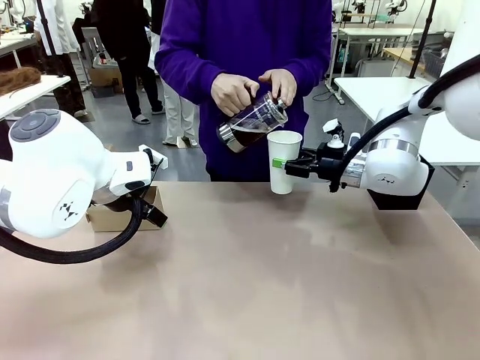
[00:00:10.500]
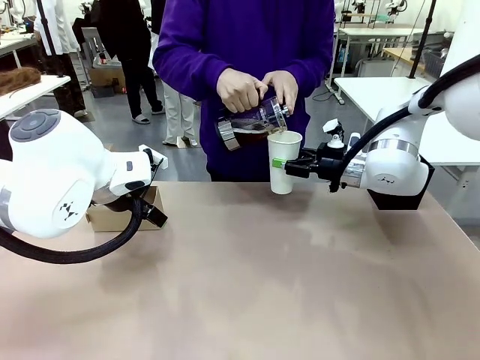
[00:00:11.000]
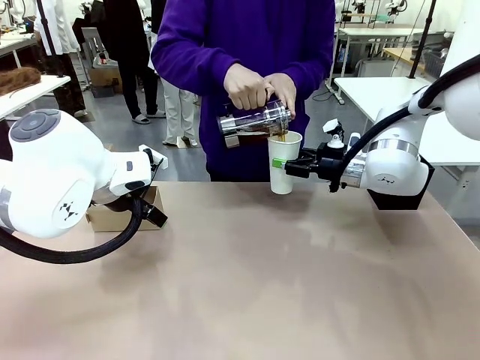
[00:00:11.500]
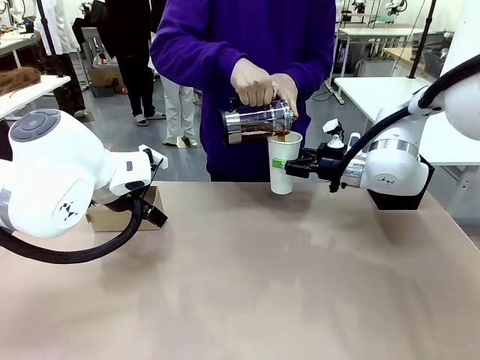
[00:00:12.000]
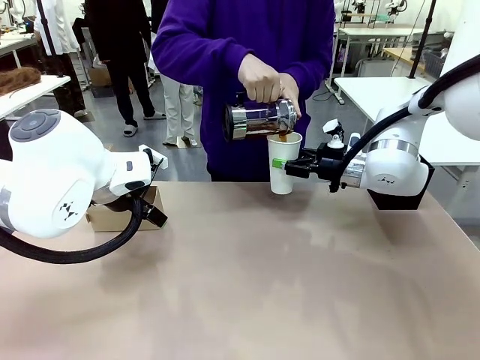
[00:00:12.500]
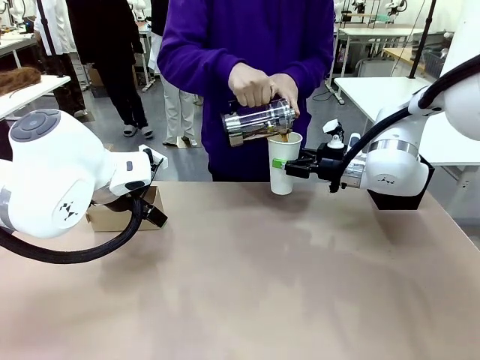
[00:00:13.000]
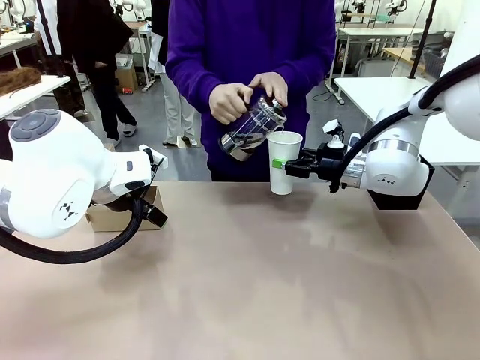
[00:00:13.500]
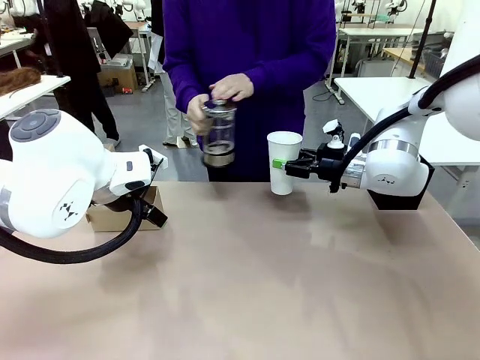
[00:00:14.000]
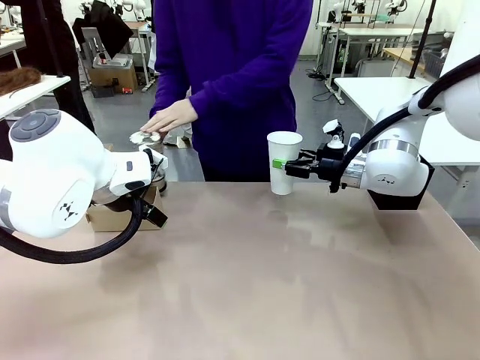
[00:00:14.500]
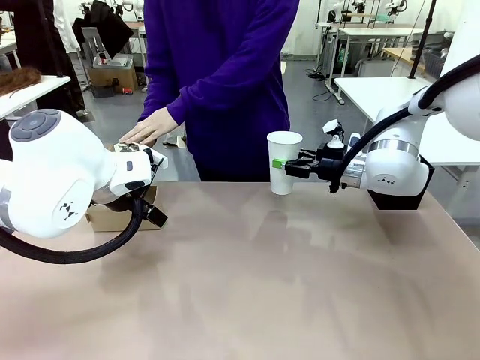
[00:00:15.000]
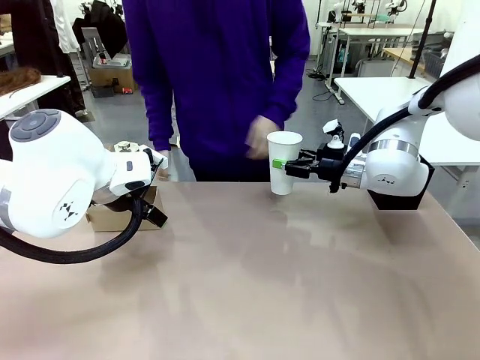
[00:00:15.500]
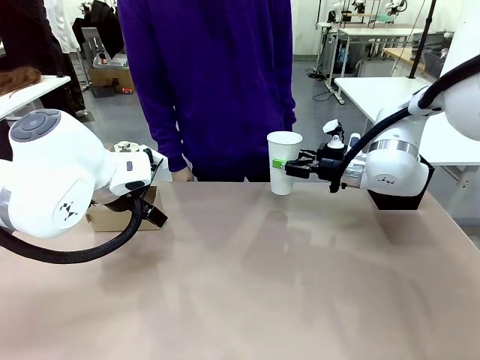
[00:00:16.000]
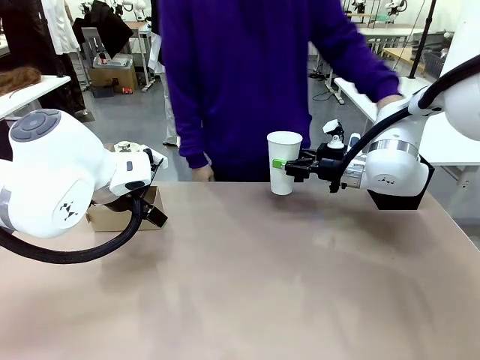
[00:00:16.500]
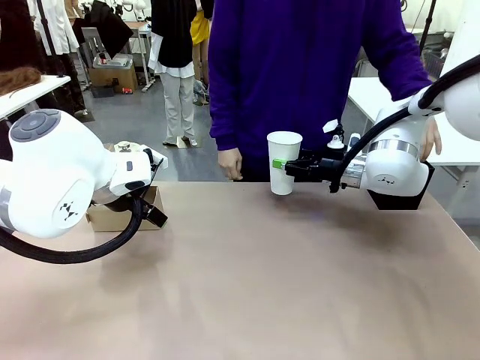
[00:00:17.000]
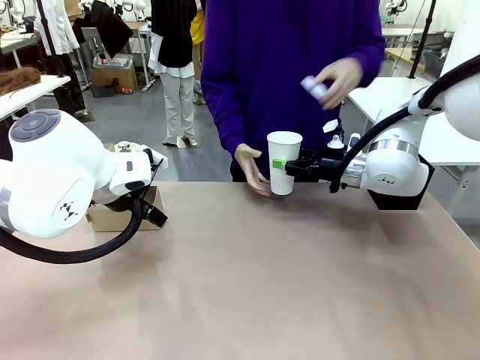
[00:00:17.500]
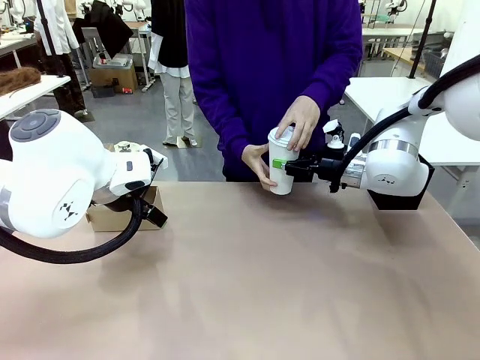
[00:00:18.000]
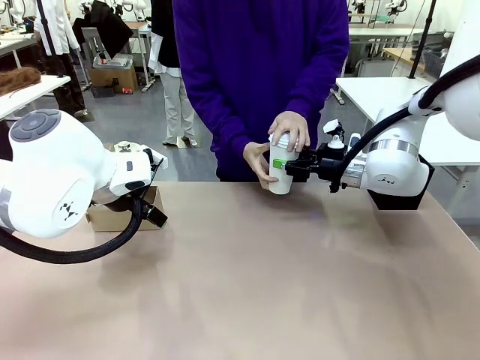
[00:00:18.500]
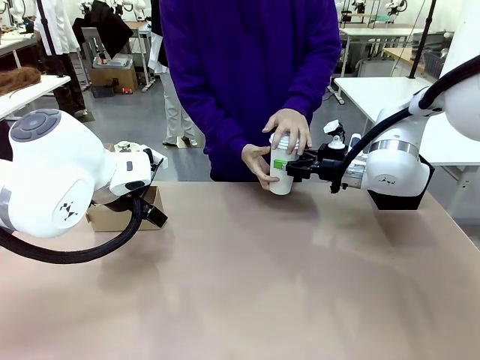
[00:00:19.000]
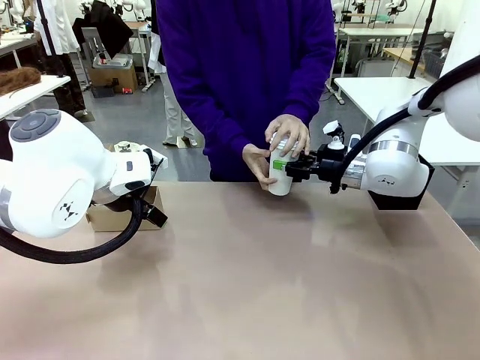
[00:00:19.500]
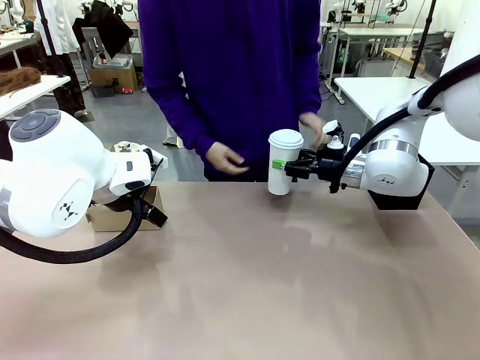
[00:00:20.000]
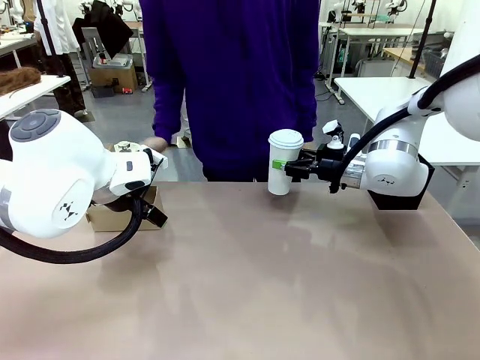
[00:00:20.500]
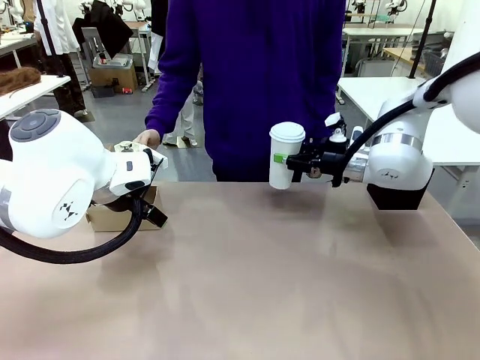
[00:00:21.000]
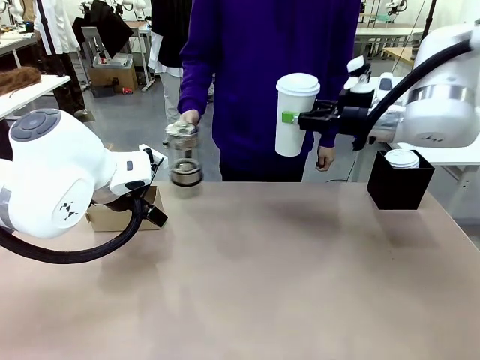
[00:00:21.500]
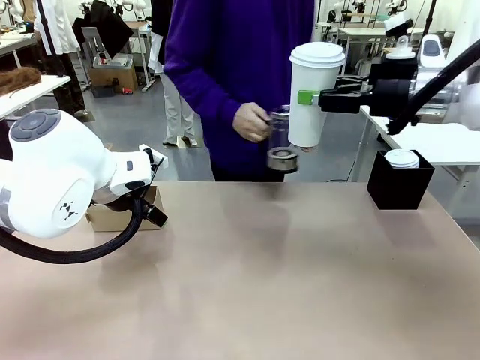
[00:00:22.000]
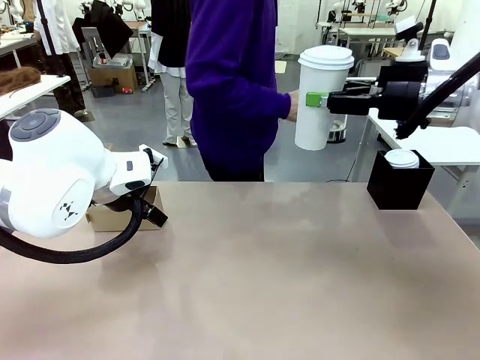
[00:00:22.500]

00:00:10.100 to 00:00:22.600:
Task: Pour a drink into a cup and package it in a carrier.
Robot: When a person places the Paper Cup Lid on the 600 ml Paper Cup , lift the 600 ml Paper Cup.
Person: Pour the drink from the Filter Brewing into the 600 ml Paper Cup. Place a Paper Cup Lid on the 600 ml Paper Cup.

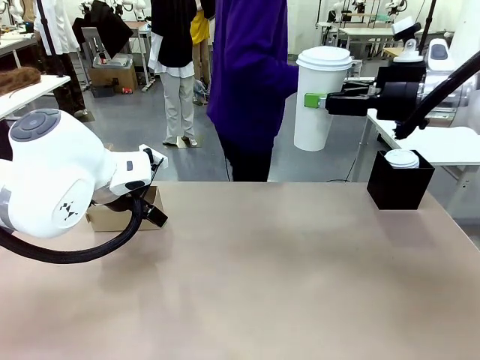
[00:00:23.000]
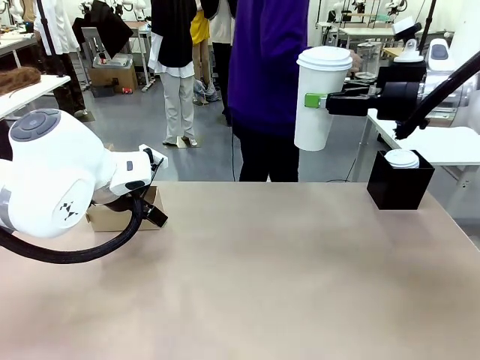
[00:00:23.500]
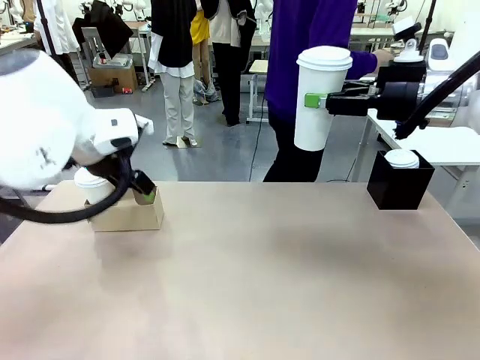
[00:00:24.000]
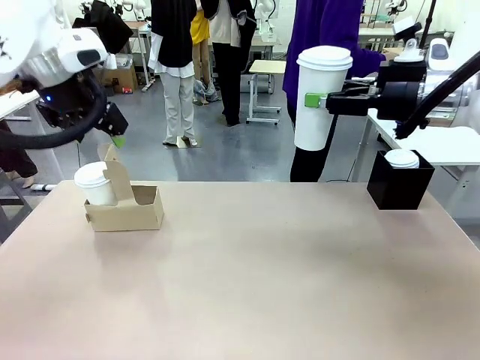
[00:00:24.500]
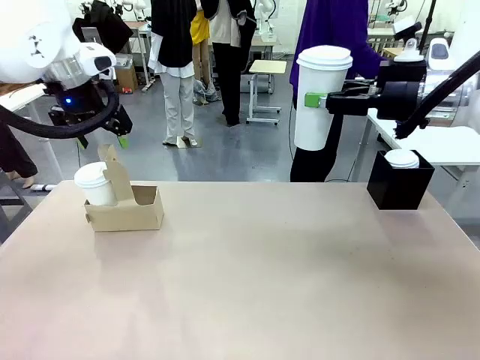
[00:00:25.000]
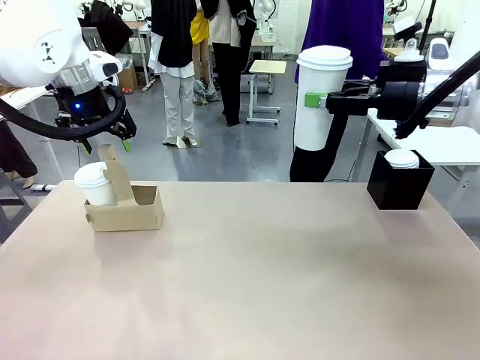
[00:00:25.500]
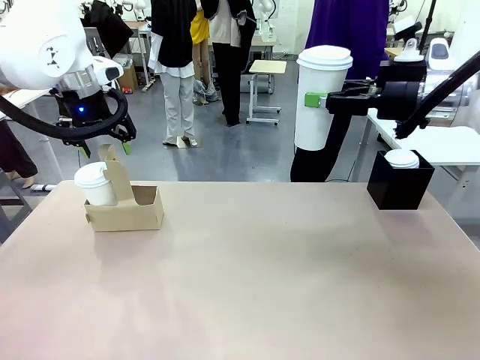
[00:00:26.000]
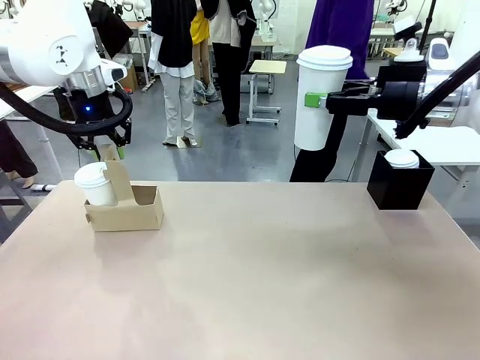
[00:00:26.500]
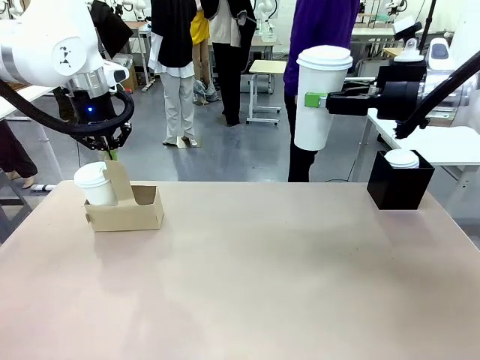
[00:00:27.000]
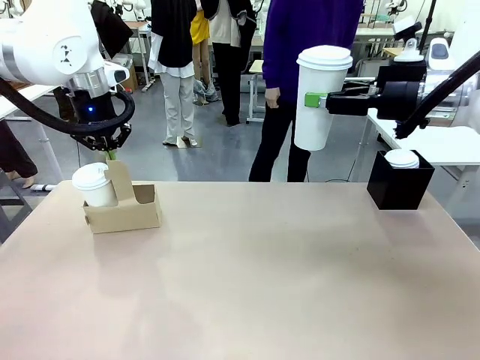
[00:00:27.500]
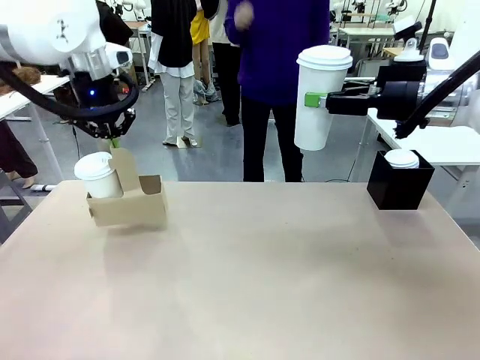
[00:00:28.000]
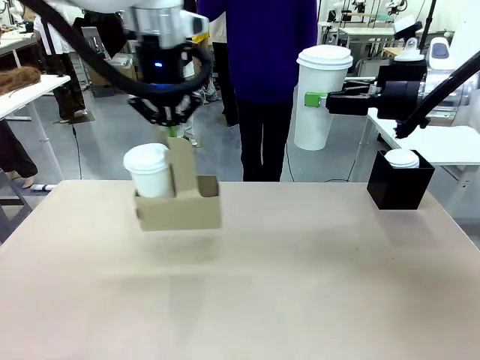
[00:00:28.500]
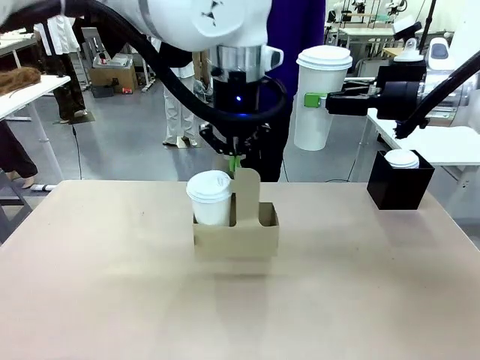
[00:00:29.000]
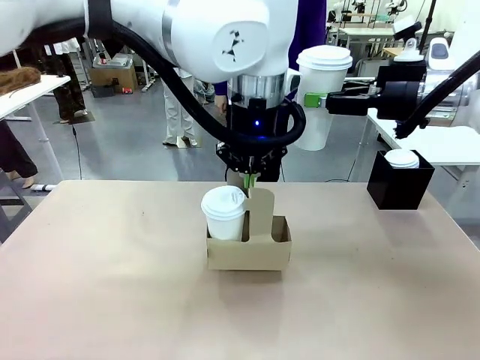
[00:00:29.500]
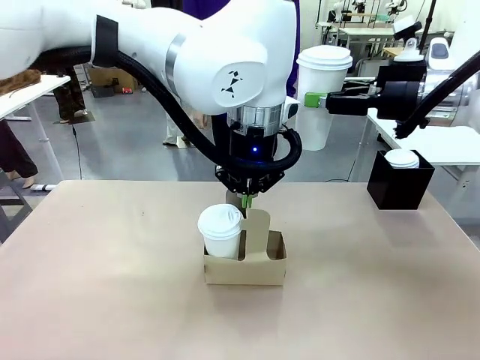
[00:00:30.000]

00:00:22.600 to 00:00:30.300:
Robot: Position the Cup Carrier in the center of the table.
Person: Pick up the Filter Brewing and place on the middle of Human table, and return to the Robot table.

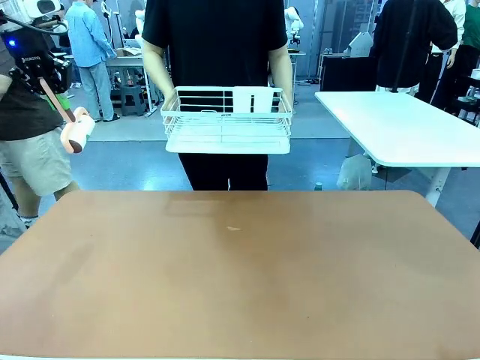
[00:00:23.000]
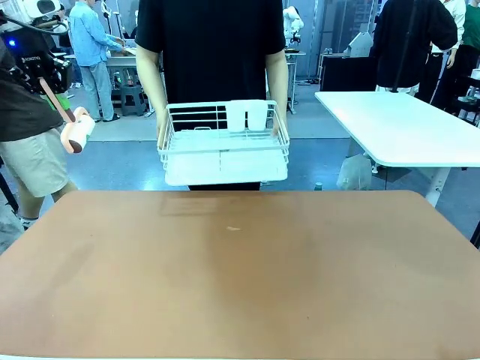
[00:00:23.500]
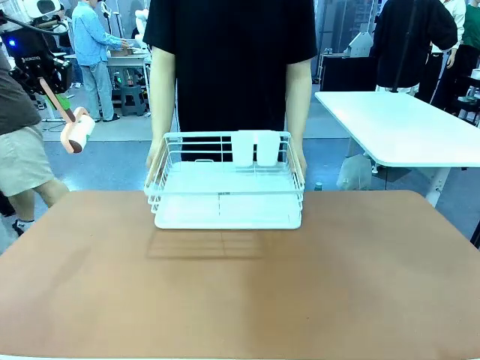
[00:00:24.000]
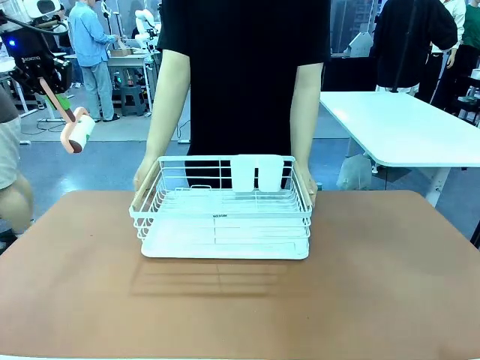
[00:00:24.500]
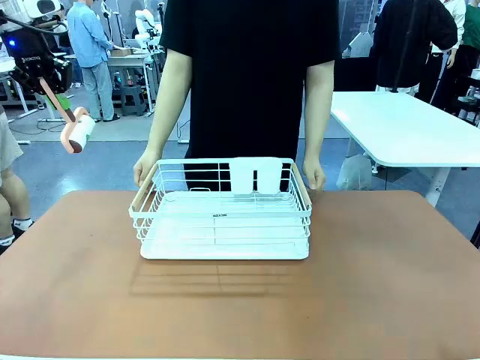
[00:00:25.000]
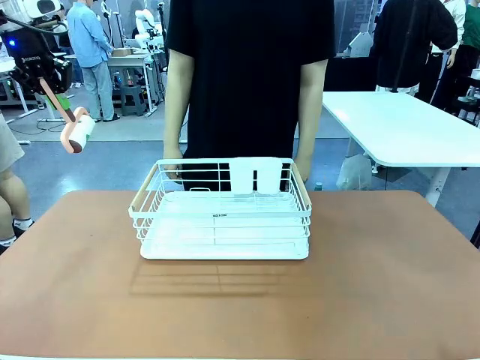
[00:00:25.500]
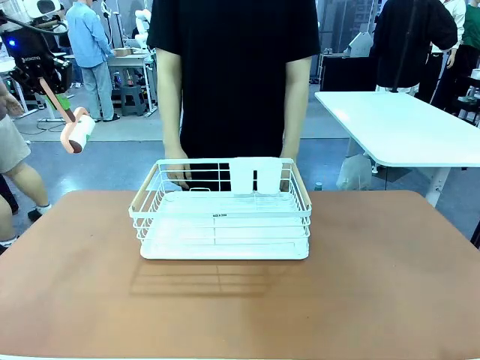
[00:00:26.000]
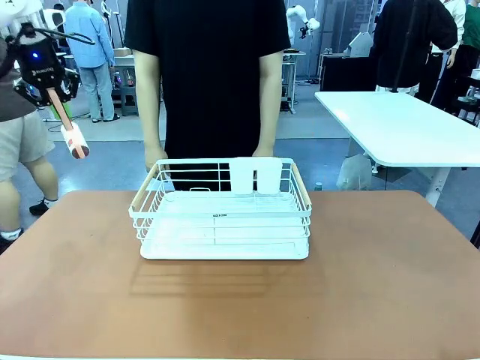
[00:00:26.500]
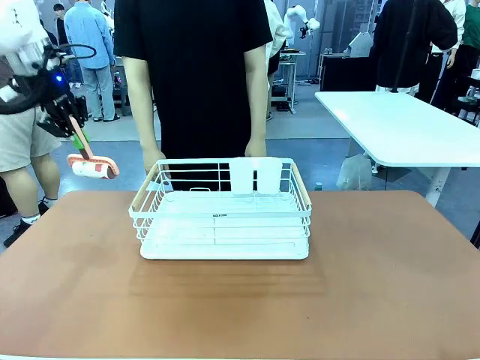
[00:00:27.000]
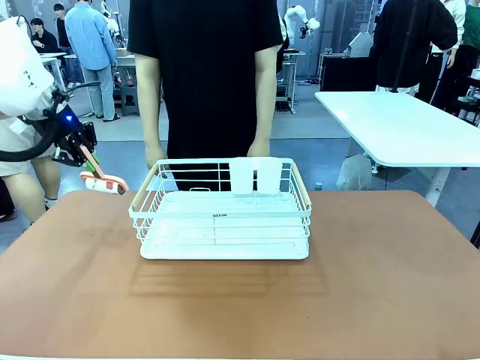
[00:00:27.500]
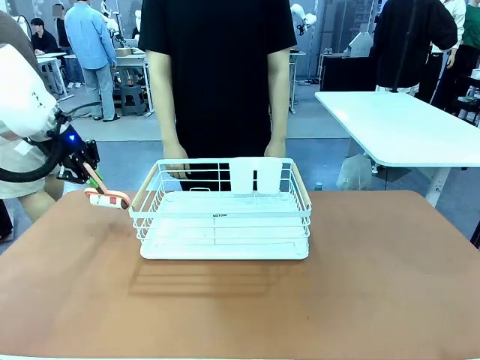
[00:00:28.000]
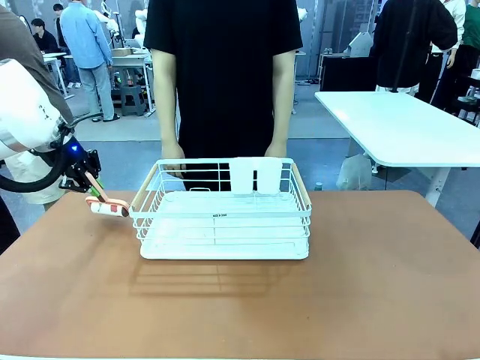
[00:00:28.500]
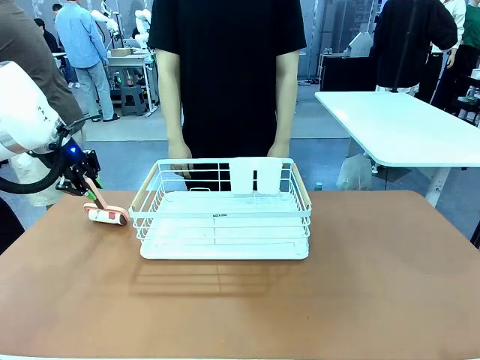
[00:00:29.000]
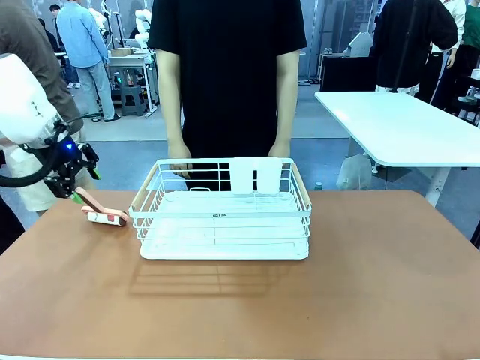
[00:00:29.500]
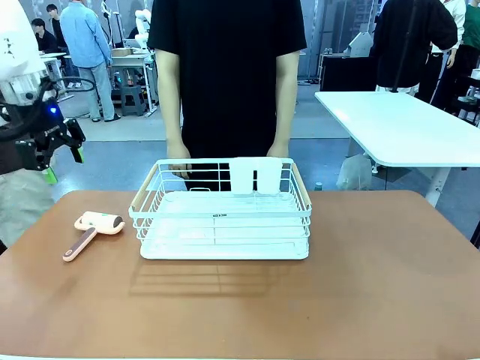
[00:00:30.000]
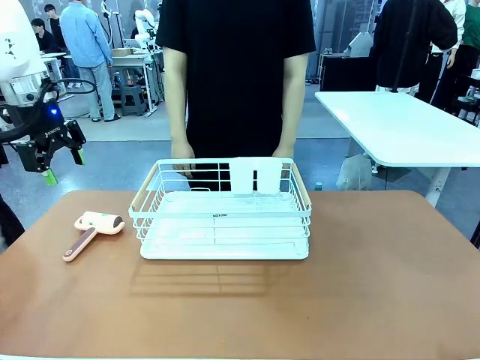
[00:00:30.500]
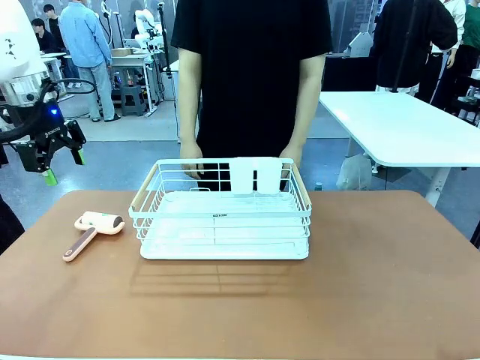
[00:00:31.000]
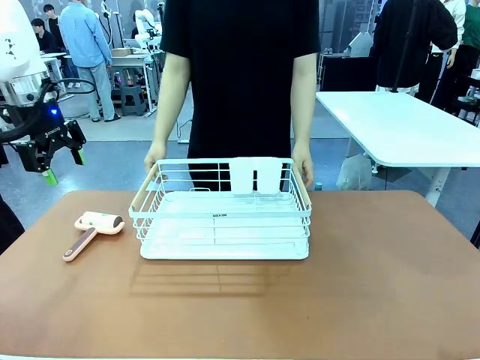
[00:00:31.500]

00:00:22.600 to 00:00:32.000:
Task: Clean the table.
Robot: Place the Lint Roller down when the Dish drying rack is positioned in the middle of the table.
Person: Place the Dish drying rack down when the robot finishes cleaning.
